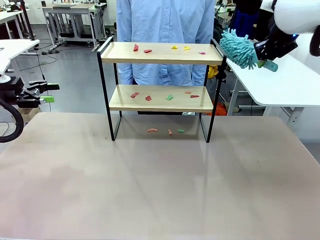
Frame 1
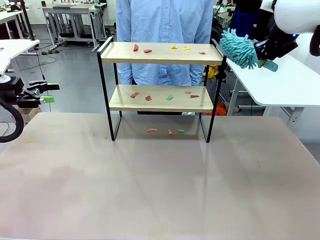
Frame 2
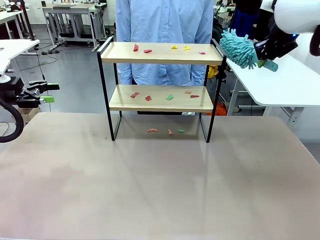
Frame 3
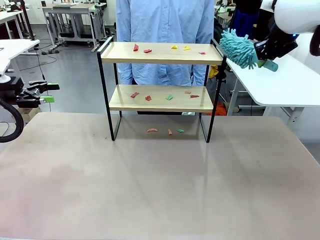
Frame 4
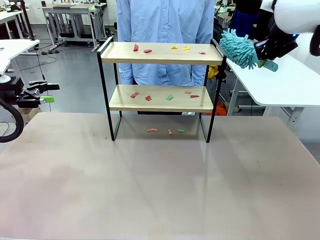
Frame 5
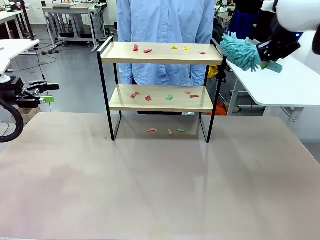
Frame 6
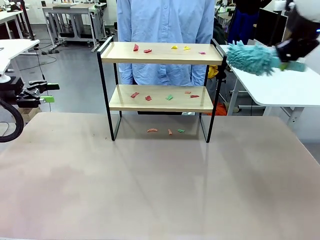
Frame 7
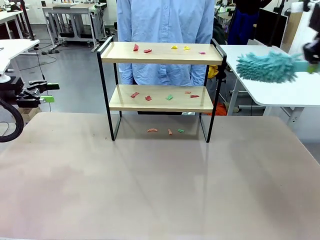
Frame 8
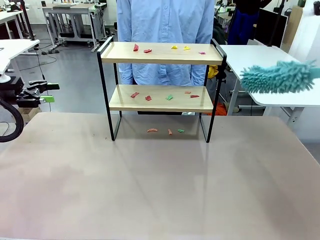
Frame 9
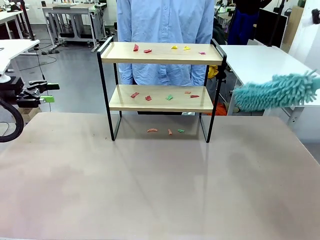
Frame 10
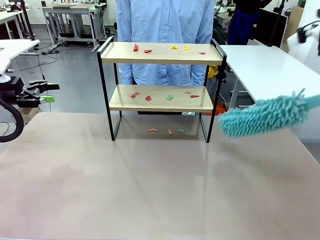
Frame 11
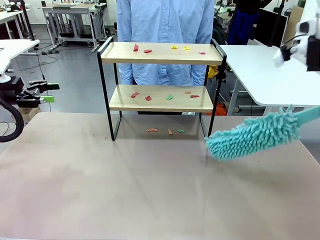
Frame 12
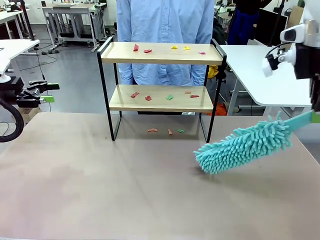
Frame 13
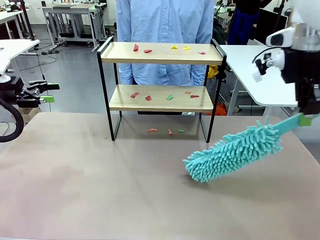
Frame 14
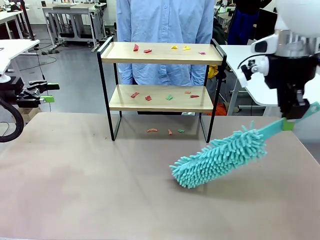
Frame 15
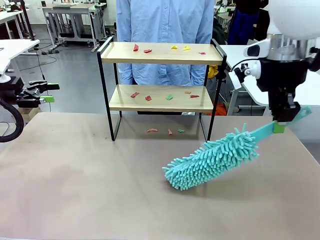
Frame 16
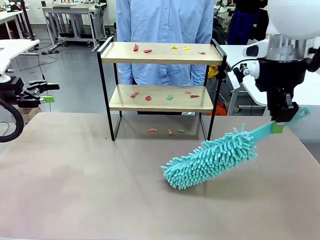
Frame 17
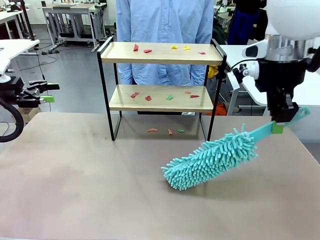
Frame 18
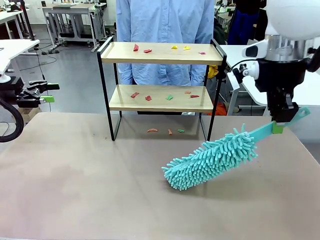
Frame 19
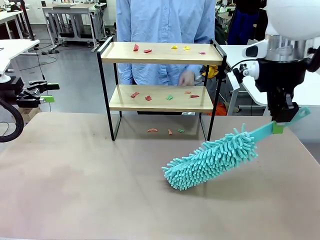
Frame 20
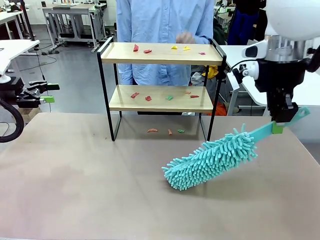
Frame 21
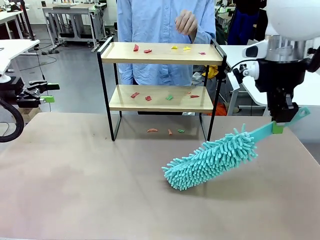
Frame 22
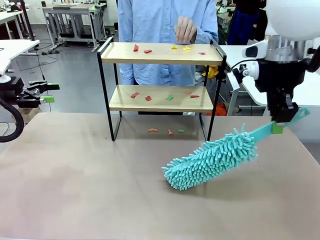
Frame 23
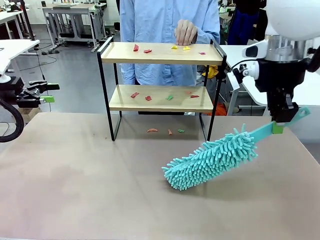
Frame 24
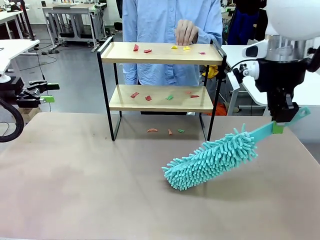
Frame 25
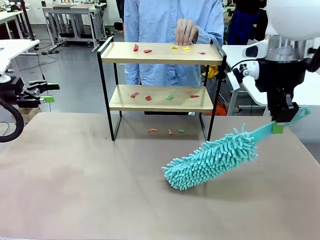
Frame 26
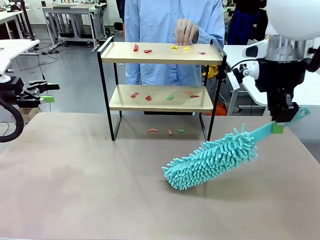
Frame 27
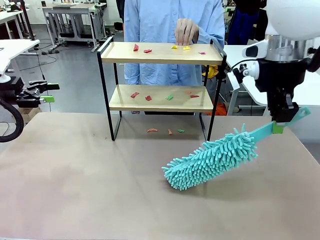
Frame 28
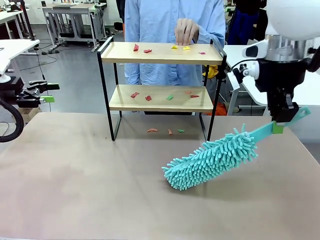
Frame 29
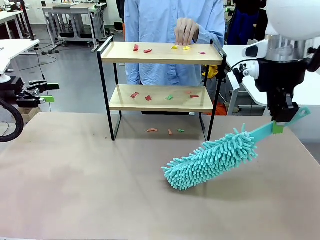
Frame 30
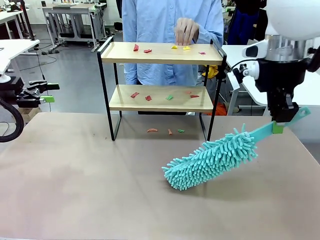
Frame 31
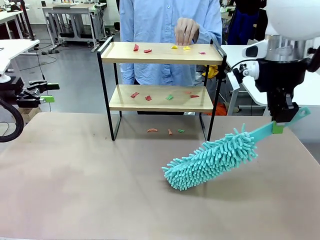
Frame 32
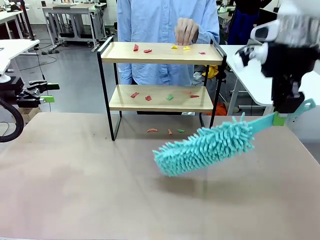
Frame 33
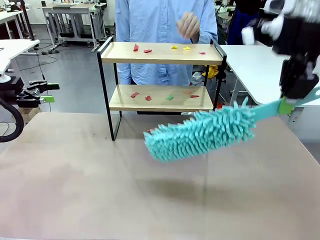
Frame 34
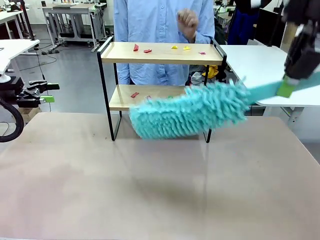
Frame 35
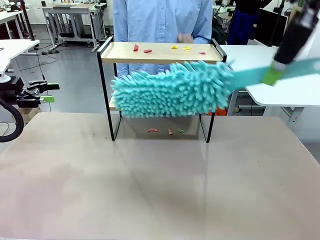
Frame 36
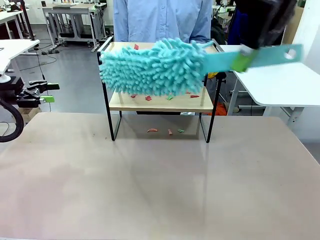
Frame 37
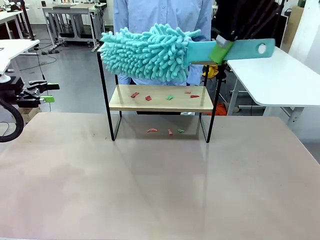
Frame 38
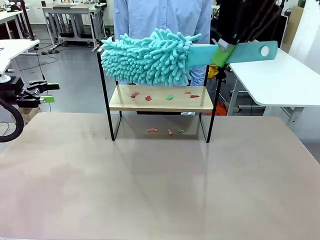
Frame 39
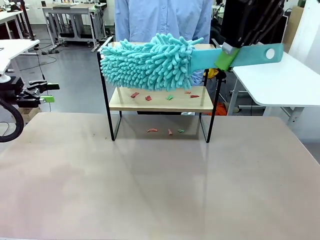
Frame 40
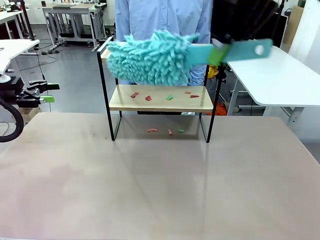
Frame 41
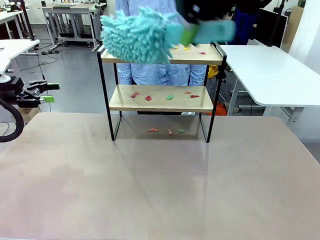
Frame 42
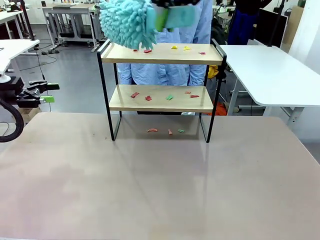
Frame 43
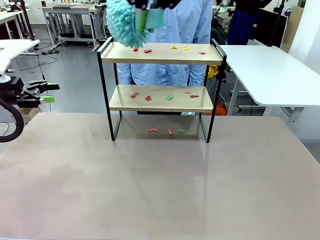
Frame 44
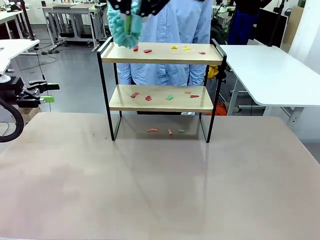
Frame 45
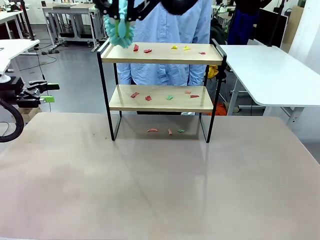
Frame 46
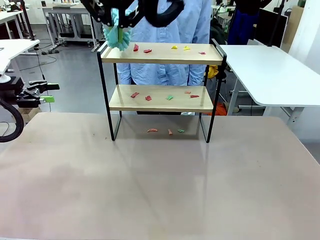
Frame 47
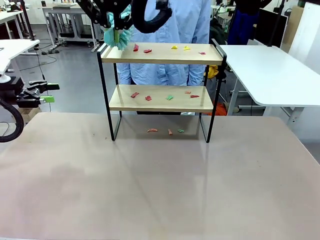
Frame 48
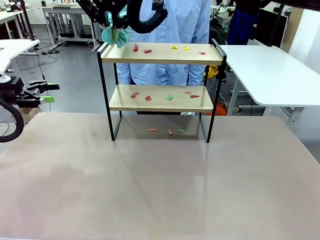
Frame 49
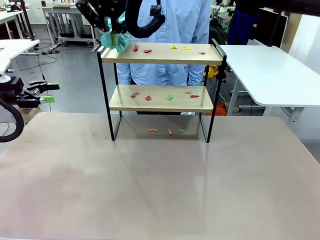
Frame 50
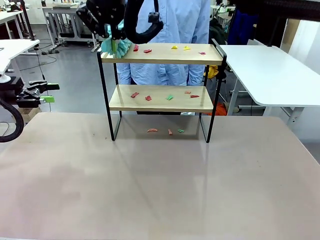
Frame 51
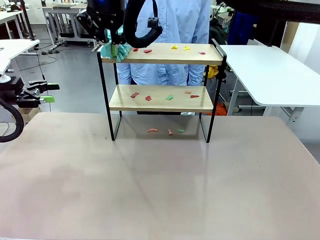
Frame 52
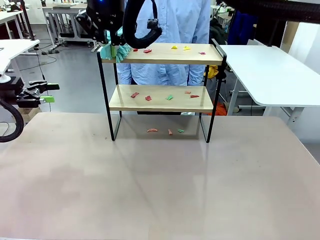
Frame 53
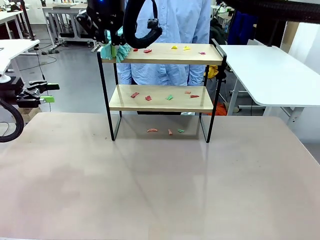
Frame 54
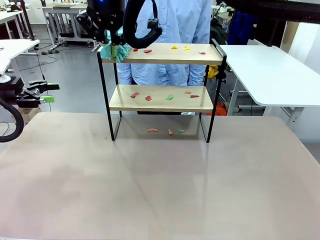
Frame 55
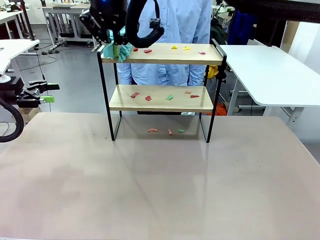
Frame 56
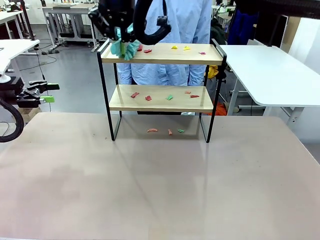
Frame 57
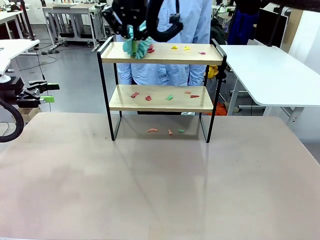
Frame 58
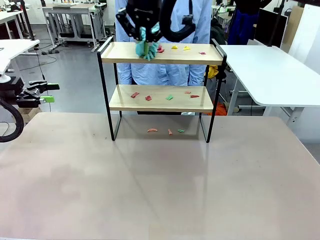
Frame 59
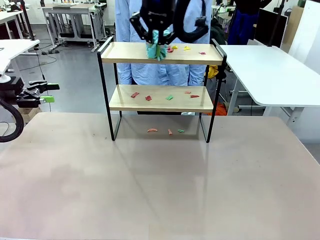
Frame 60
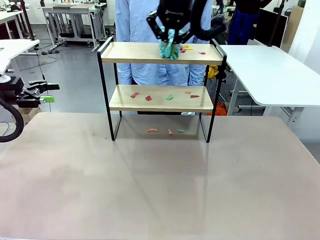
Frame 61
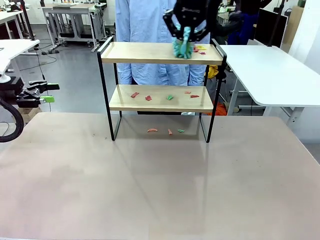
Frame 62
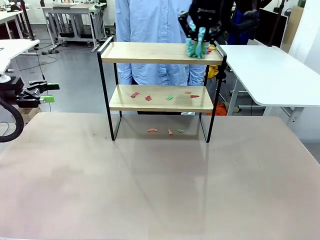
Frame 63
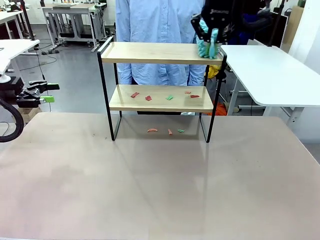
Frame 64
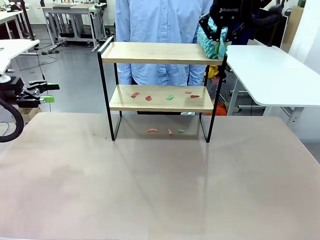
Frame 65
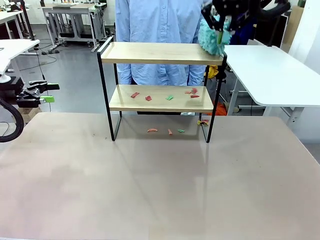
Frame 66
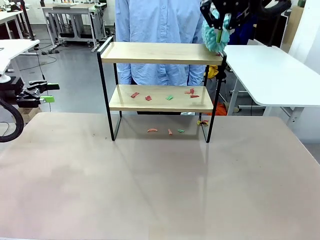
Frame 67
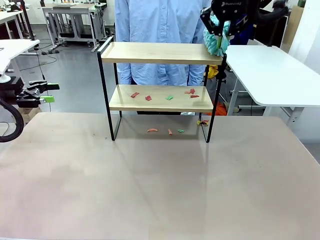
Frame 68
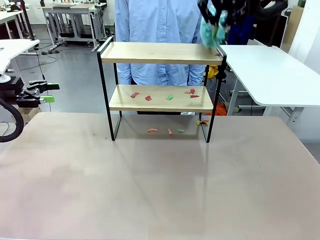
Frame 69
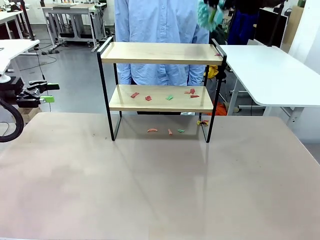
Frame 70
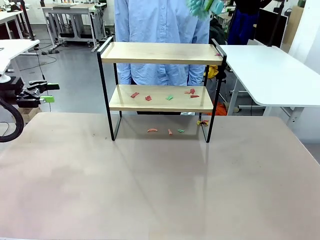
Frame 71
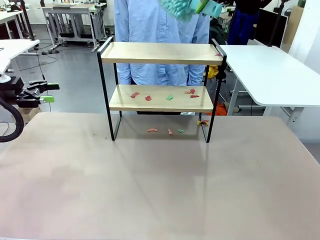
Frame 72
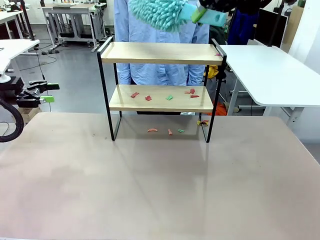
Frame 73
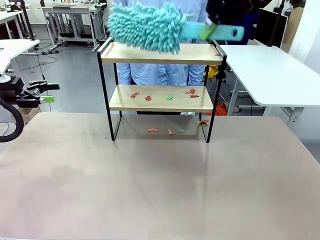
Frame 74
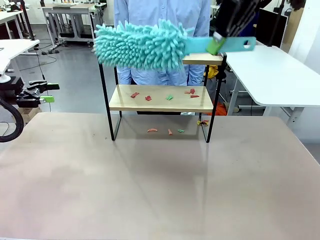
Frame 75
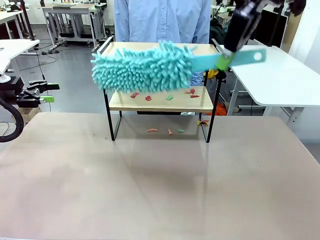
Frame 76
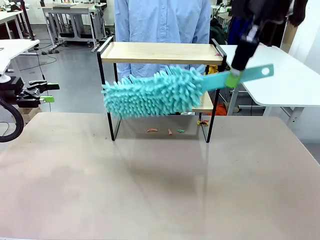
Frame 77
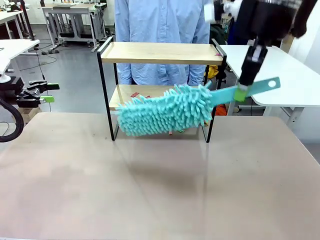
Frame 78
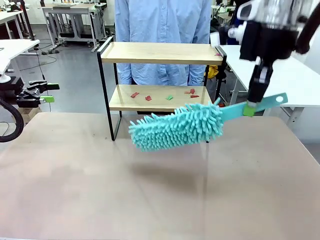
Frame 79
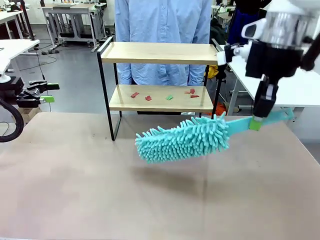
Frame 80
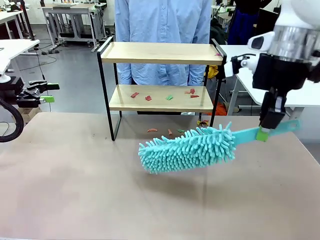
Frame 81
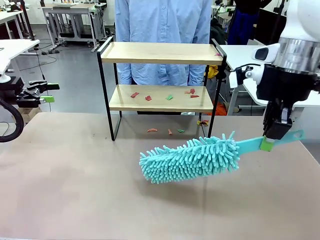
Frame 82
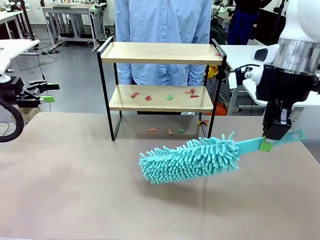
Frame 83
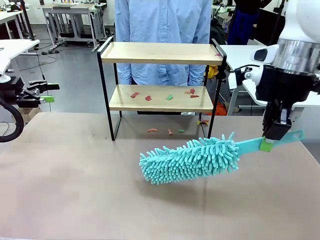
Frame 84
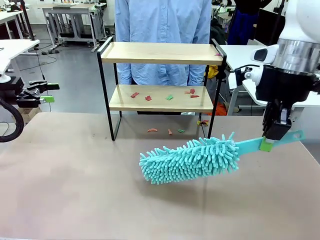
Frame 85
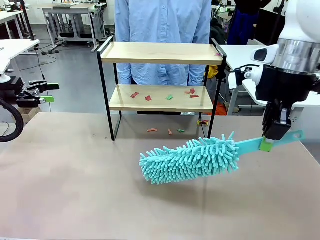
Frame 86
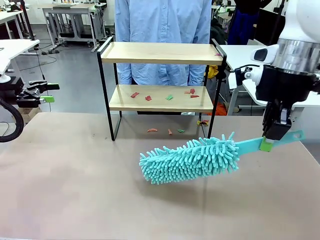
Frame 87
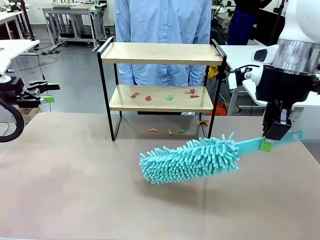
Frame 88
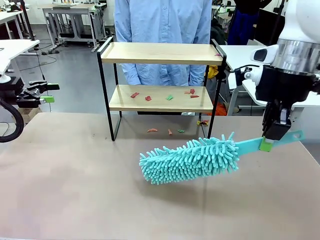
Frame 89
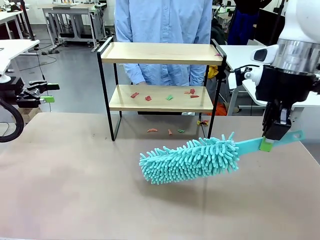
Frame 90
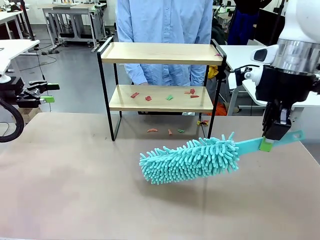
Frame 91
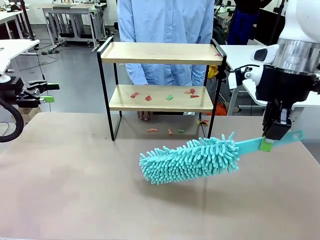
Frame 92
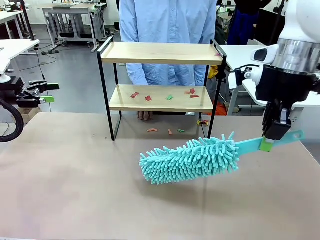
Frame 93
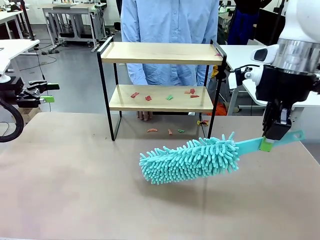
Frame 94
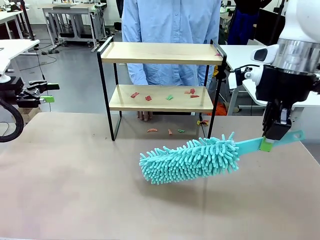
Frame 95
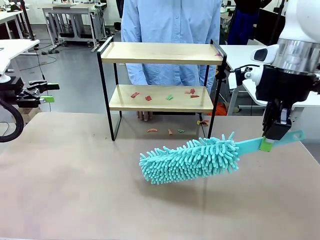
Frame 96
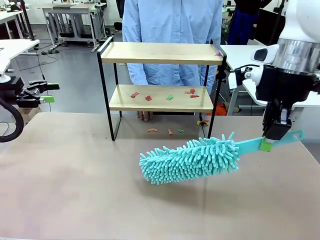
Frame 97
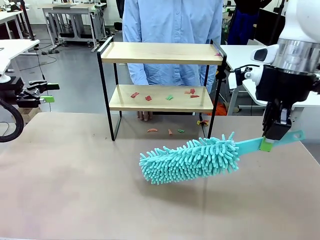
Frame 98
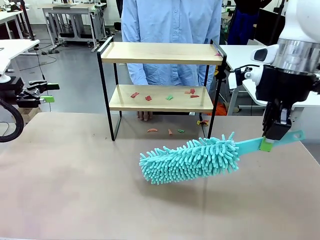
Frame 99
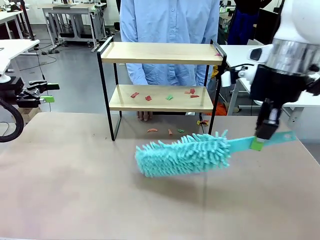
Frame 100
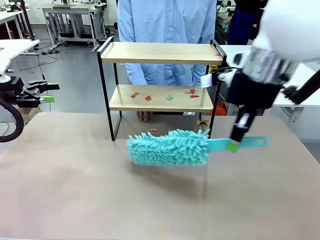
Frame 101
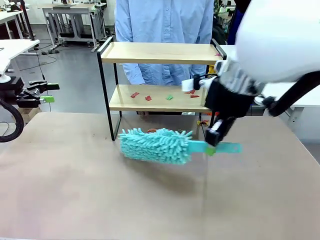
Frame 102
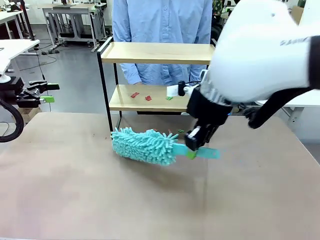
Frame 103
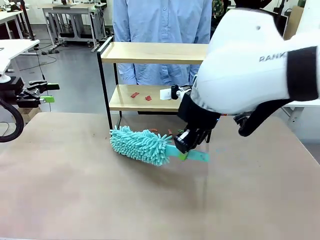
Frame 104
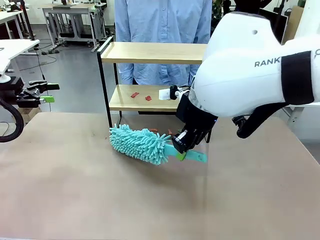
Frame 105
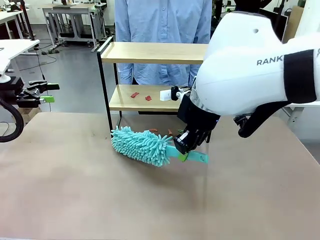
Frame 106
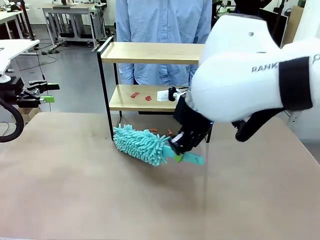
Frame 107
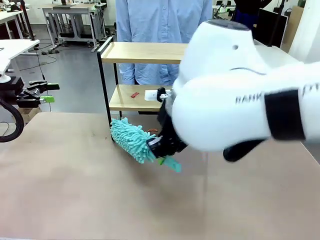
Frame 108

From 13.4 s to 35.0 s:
Task: Clean the shelf.
Robot: Clean the specific section of the Shelf indicated by the human with the Duster.
Person: Point a random section of the Shelf.
